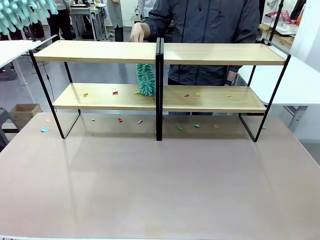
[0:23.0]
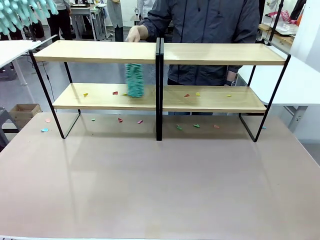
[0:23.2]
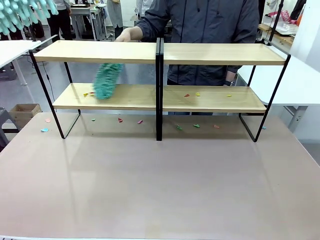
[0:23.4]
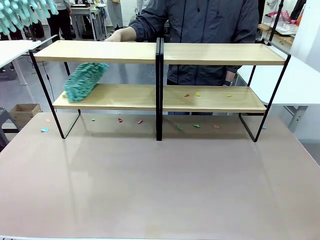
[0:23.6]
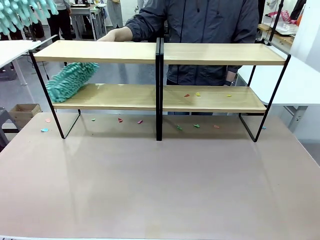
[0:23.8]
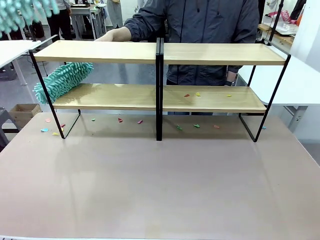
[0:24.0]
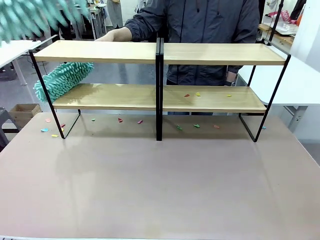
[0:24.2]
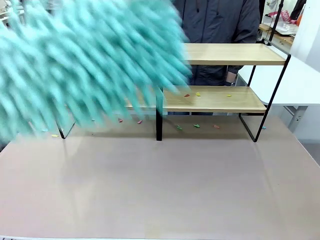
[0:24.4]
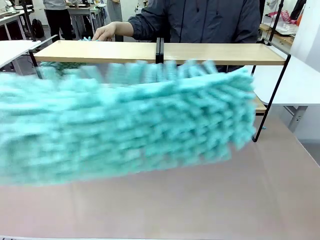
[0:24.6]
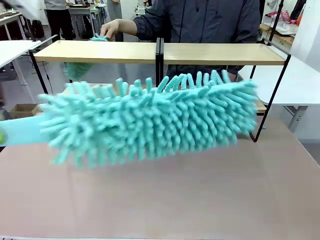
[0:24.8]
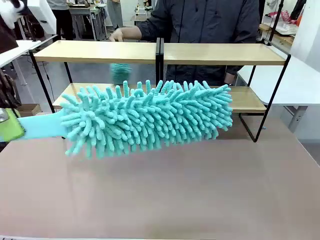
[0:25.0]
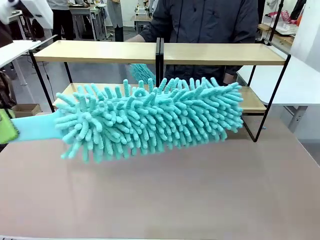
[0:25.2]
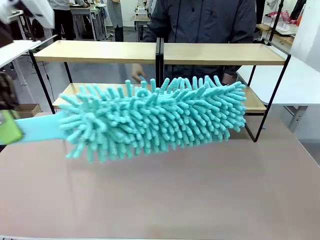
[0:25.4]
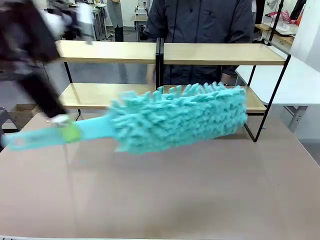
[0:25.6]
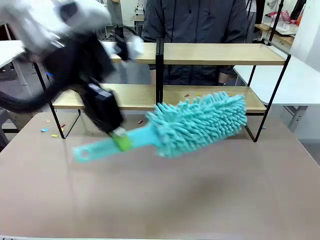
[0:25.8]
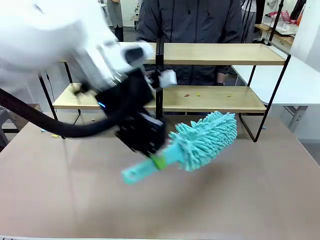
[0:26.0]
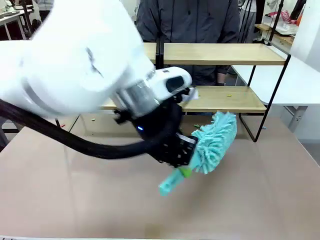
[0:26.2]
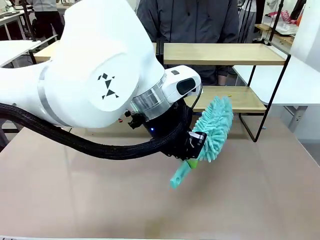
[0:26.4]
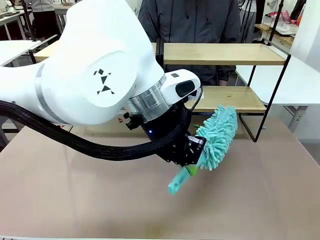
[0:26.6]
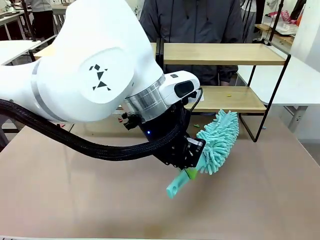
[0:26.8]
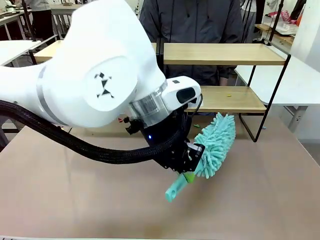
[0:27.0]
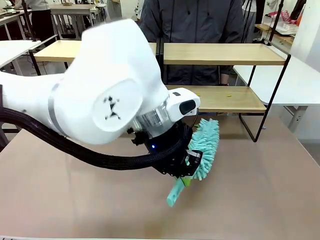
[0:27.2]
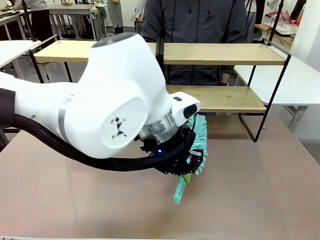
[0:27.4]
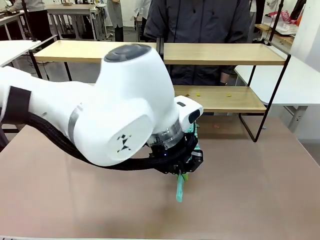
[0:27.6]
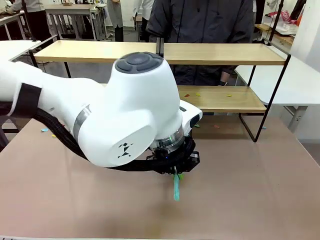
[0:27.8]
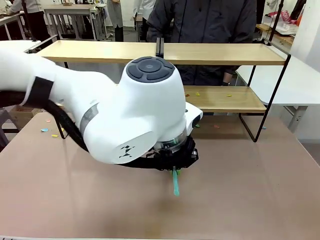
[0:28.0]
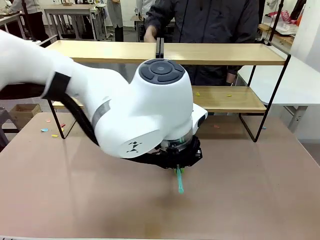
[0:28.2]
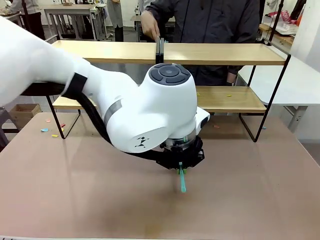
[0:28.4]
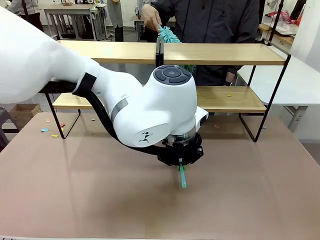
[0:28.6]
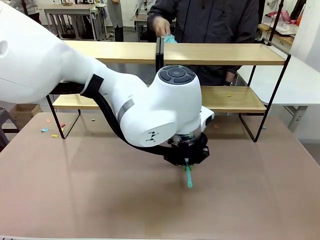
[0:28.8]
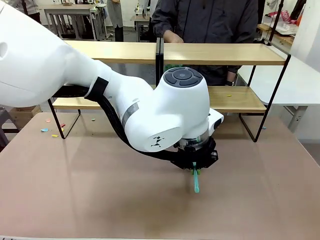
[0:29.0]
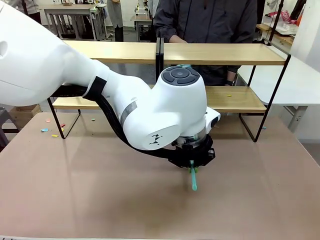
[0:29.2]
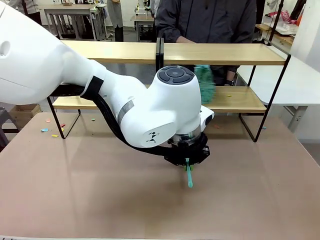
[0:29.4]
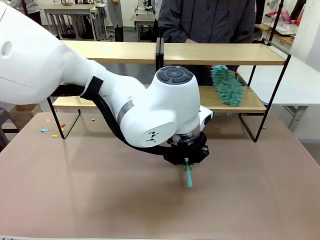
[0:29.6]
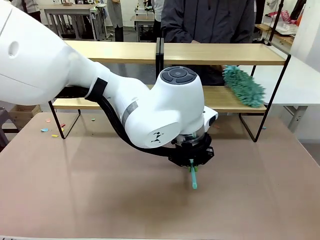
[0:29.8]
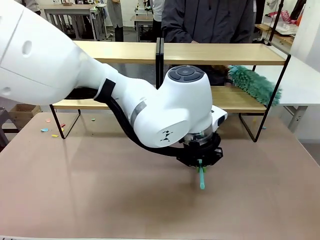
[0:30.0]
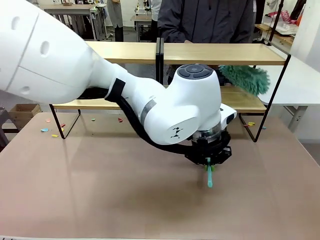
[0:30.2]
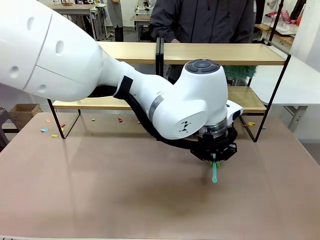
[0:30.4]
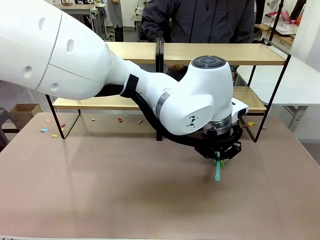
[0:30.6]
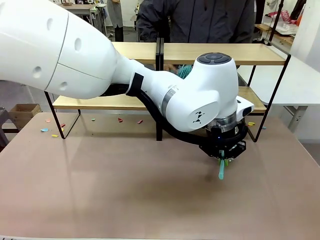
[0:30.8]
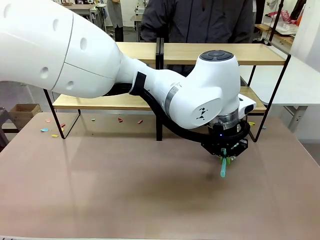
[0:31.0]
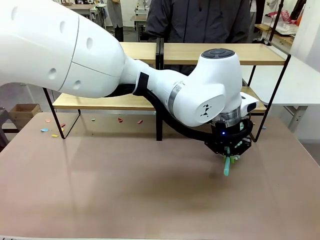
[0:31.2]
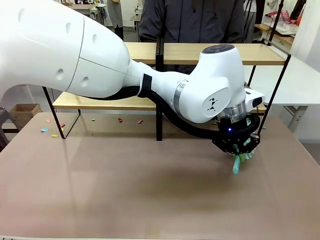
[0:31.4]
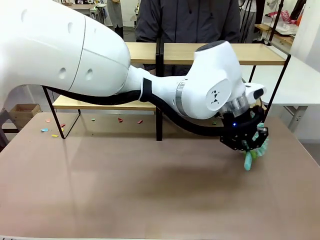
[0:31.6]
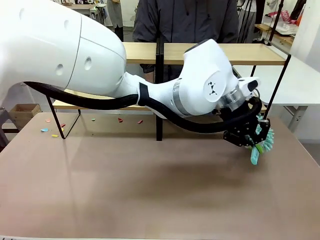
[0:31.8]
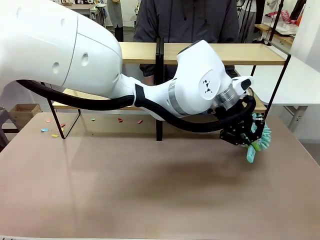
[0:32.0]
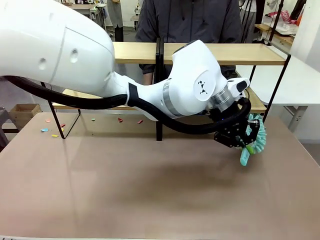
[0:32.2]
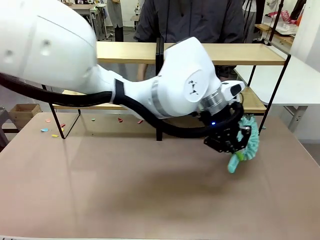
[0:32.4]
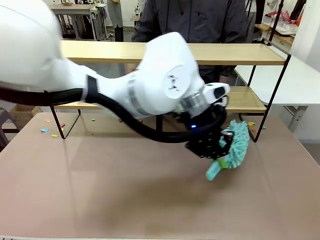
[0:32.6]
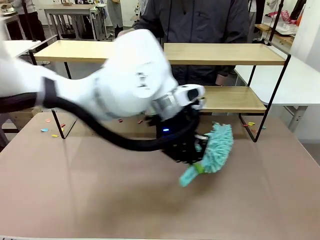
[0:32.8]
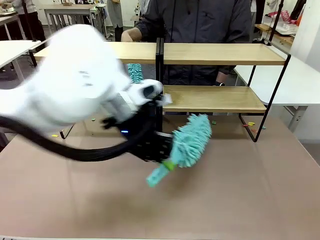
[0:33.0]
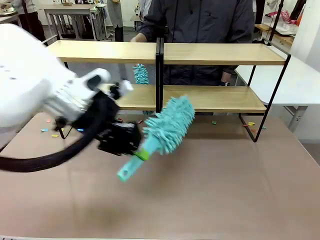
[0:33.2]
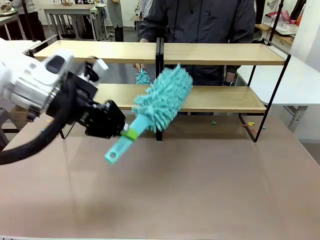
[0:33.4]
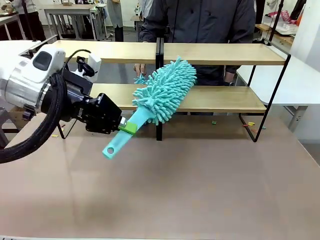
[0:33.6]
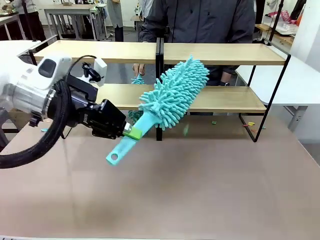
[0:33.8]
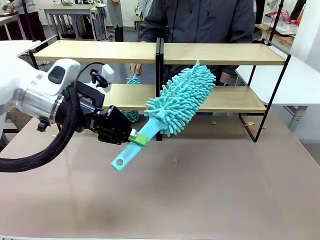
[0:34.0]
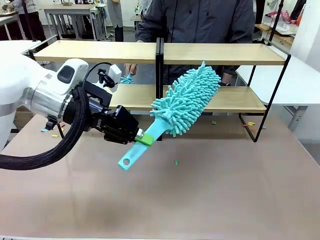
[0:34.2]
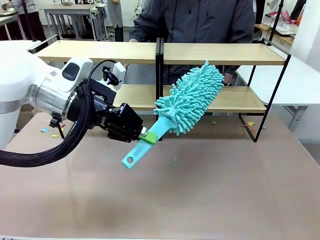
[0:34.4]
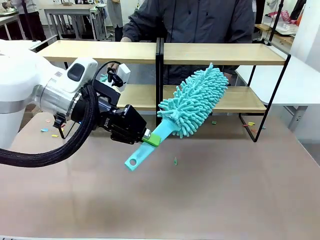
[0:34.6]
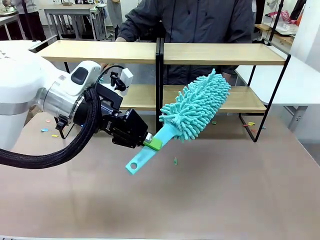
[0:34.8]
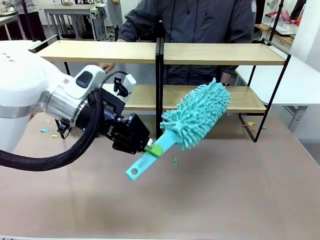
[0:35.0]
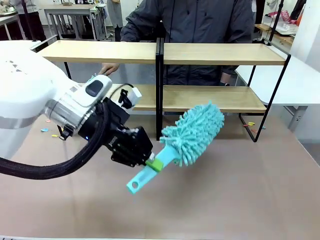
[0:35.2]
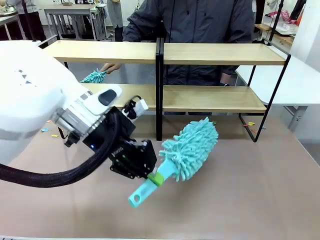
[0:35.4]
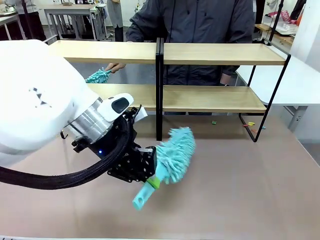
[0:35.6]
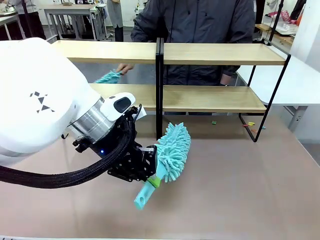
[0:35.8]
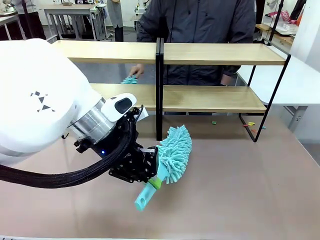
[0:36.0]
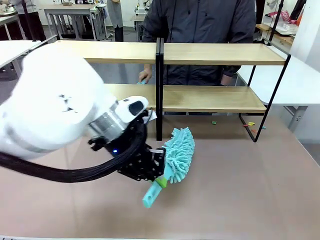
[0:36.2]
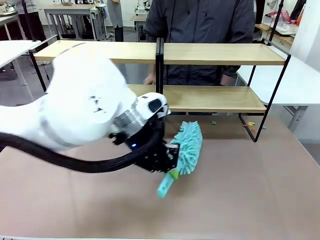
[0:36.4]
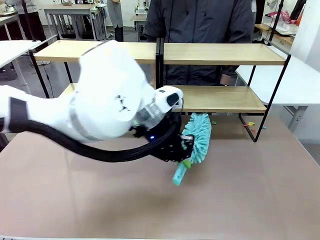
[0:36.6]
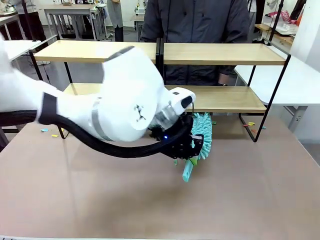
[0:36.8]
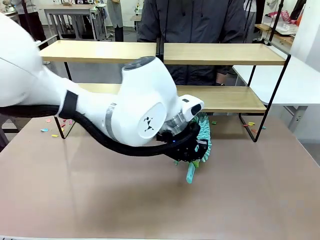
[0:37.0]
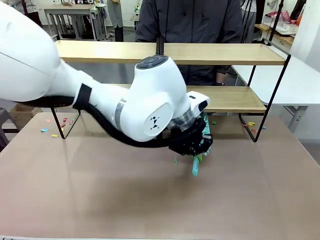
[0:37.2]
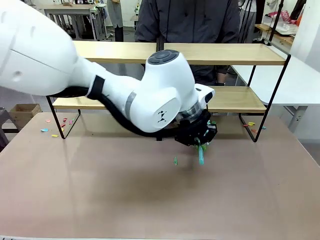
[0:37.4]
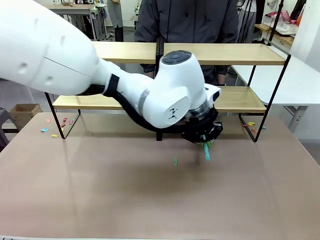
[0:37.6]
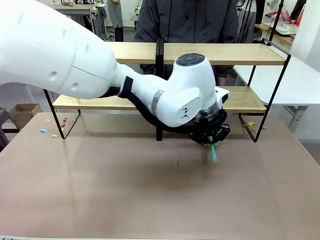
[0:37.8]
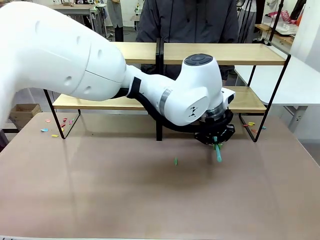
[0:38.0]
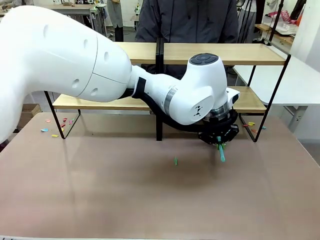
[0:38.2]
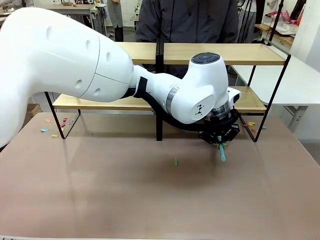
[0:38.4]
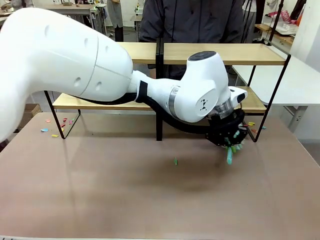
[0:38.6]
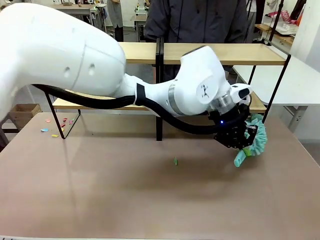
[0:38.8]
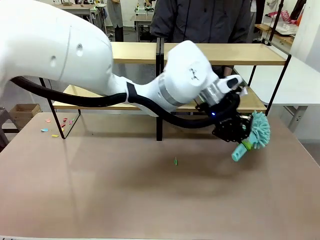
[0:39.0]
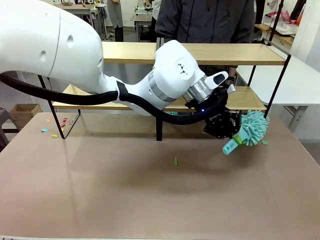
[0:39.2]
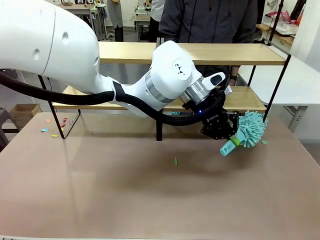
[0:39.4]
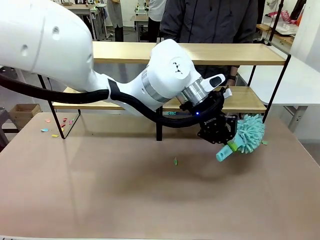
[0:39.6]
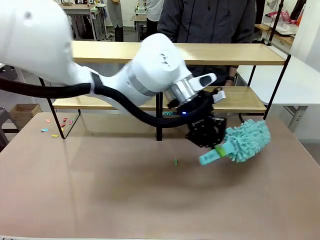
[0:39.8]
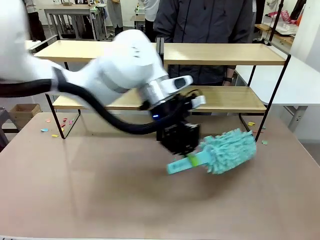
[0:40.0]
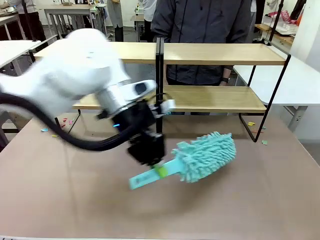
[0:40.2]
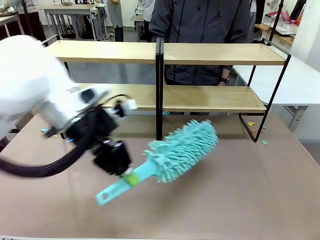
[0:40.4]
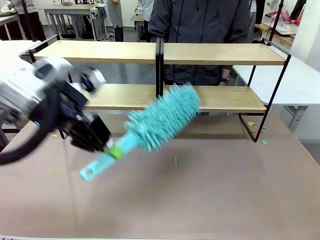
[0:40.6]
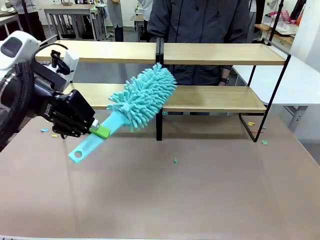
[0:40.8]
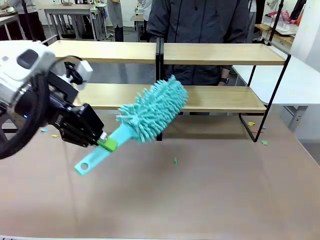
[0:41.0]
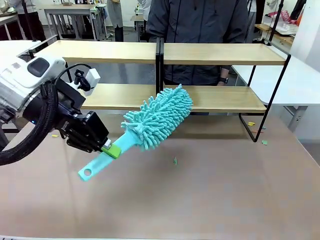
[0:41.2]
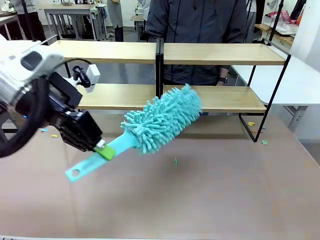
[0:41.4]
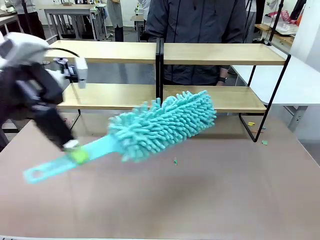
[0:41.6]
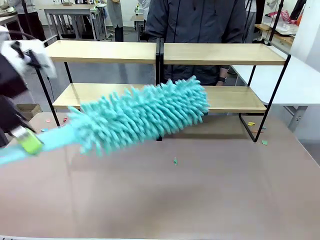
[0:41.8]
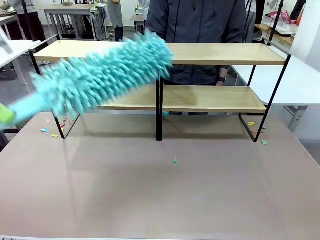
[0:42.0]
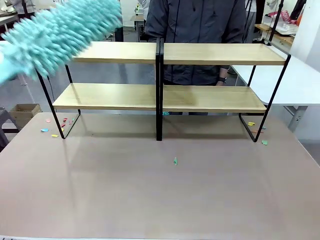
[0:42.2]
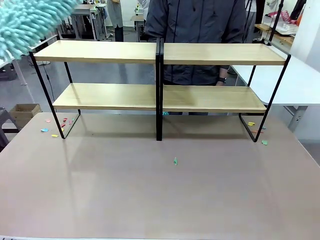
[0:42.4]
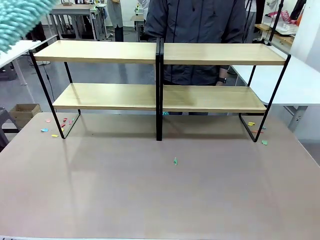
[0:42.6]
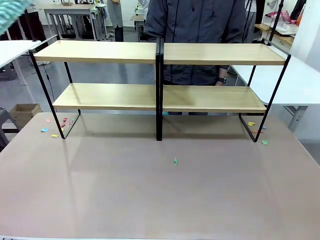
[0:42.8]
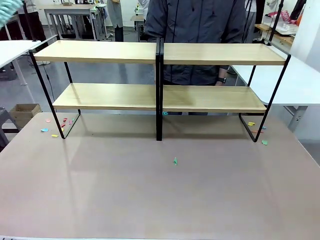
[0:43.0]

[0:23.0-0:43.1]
Task: Clean the shelves.
Robot: Clean another randomly selected level of the Shelf with the Duster.
Person: Clean a randomly selected level of the Shelf with the Duster.

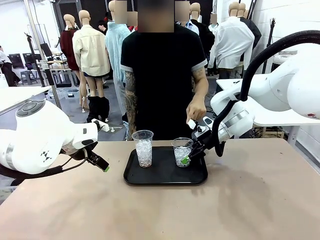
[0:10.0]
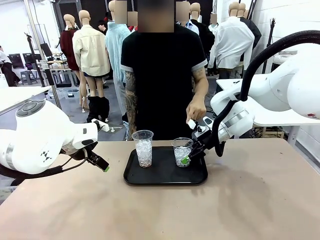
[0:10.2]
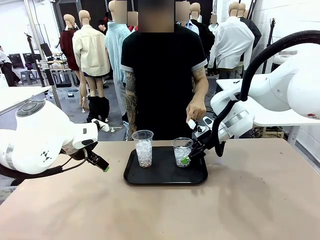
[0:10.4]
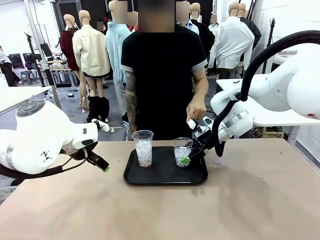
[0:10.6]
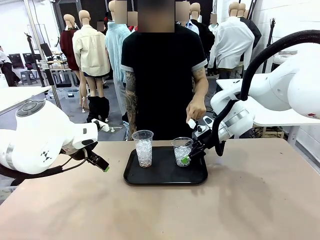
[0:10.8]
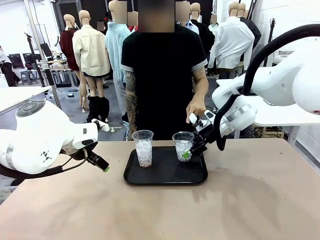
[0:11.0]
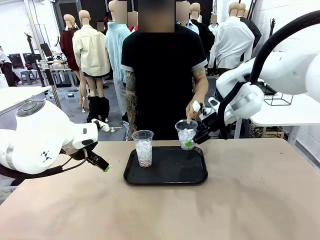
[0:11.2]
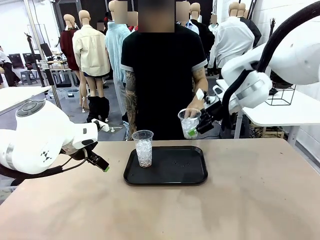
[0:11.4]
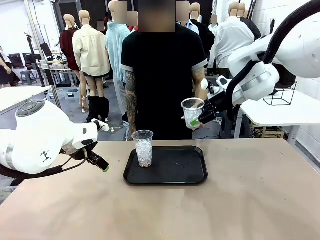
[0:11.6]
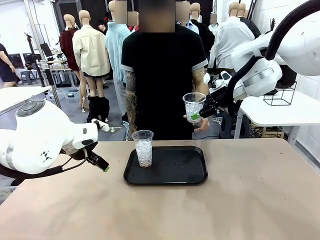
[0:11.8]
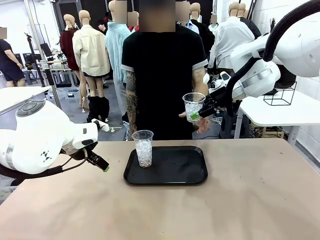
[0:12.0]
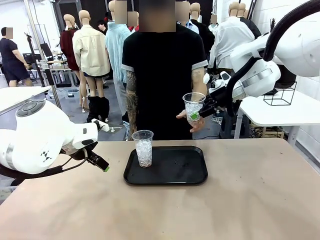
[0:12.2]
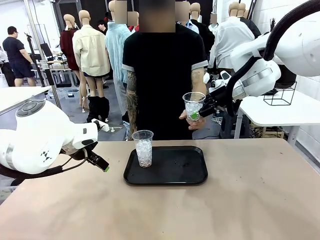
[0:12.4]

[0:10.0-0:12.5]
Task: Pour the drink into the iced cup.
Robot: Open the gripper to release the iced cup you were holding.
